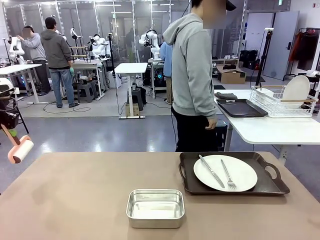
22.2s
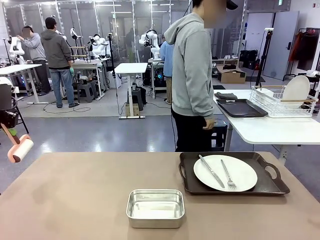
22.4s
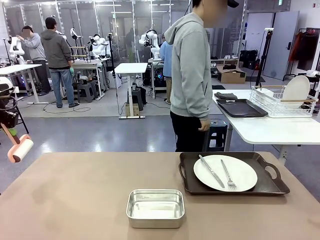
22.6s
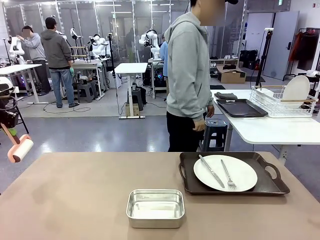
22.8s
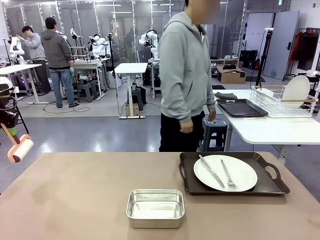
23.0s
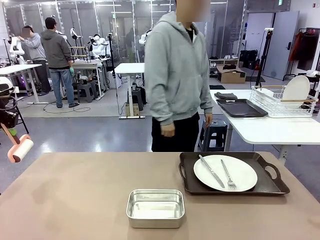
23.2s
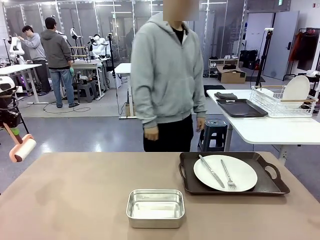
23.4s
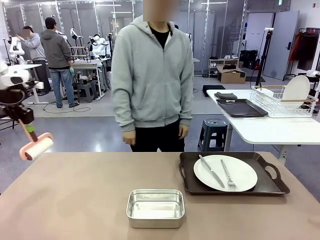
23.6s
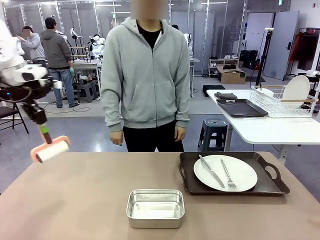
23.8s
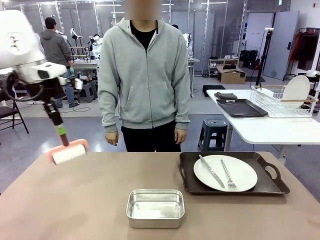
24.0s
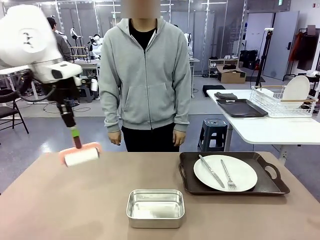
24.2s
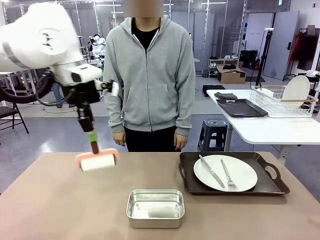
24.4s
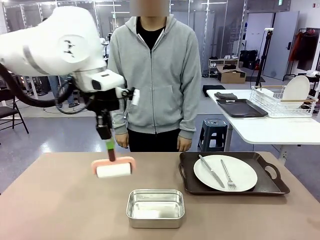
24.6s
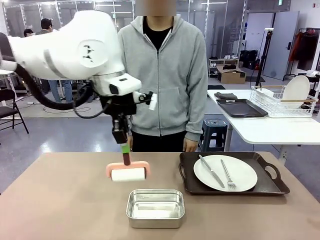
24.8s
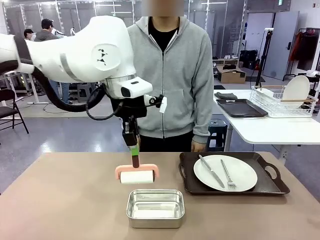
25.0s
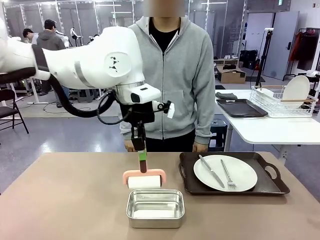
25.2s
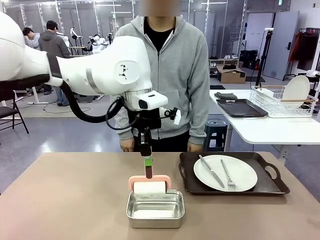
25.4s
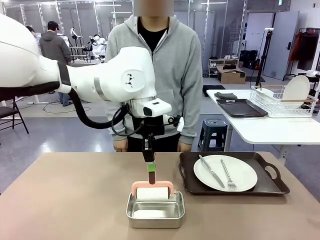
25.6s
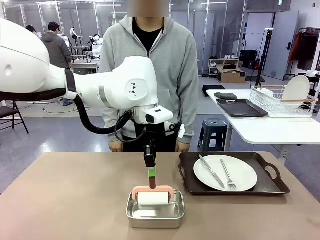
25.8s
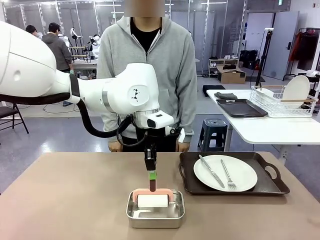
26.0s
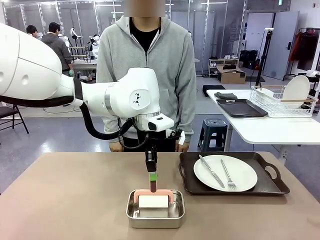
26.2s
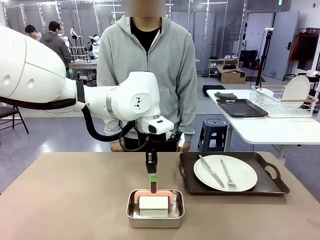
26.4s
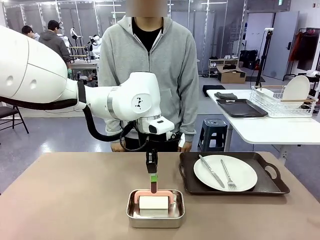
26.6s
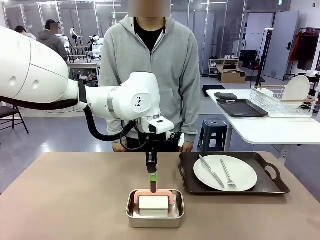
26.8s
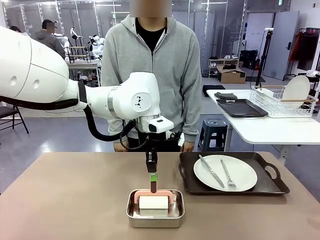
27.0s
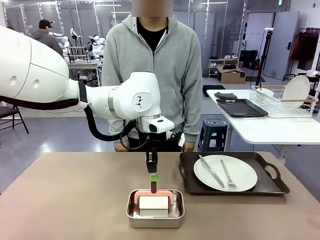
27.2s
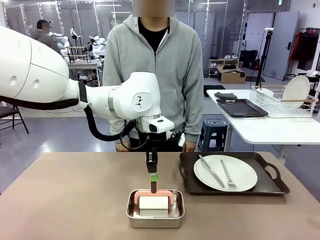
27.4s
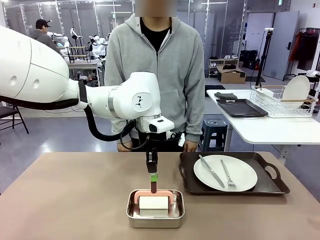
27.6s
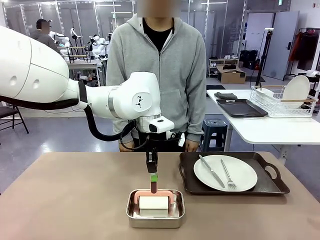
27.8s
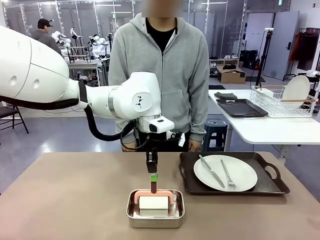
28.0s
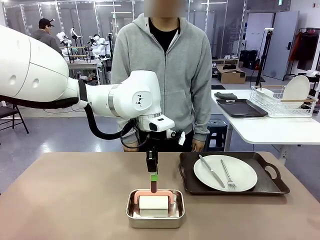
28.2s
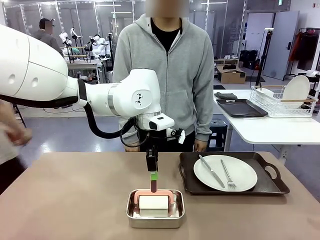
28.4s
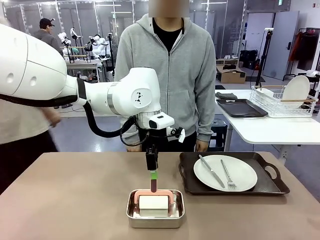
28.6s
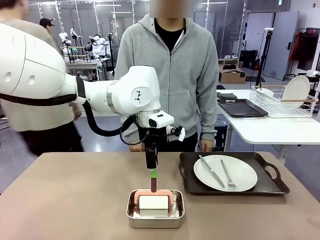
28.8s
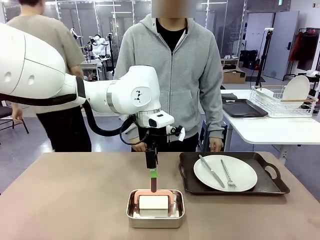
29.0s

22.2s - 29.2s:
Robot: Place the Lint Roller back on top of the Airtight Container.

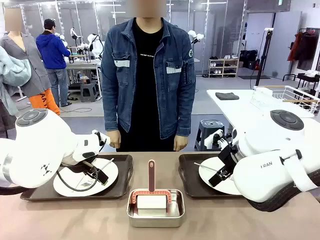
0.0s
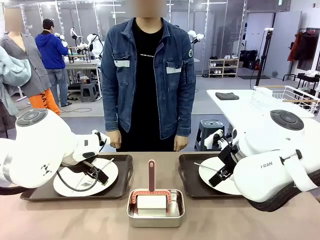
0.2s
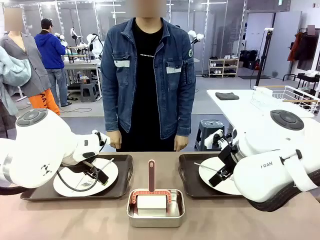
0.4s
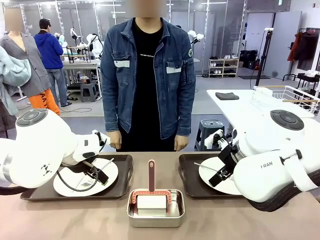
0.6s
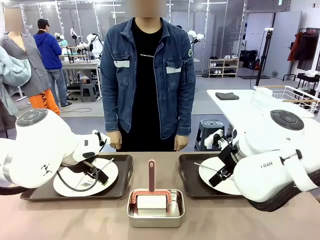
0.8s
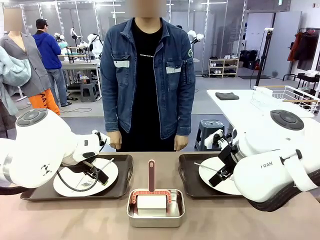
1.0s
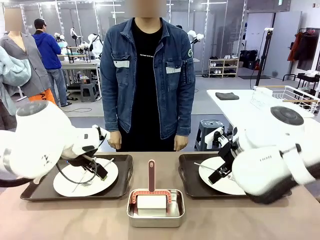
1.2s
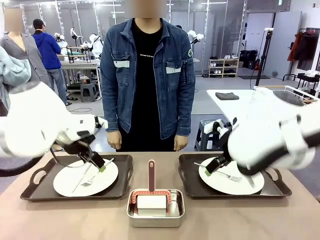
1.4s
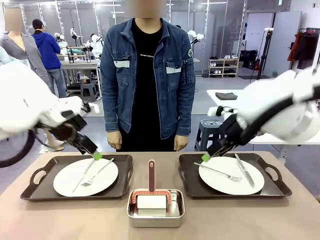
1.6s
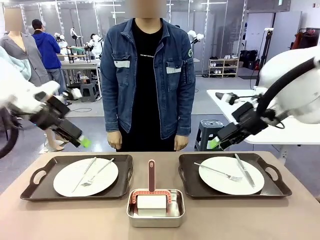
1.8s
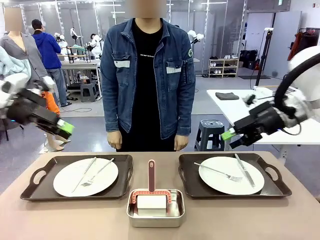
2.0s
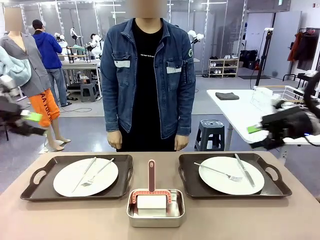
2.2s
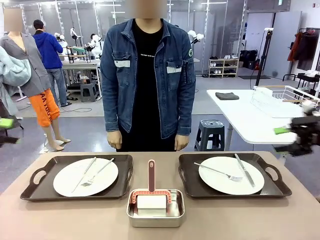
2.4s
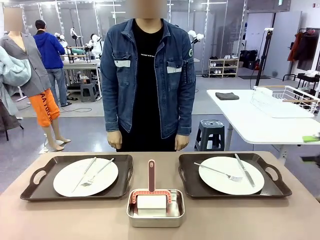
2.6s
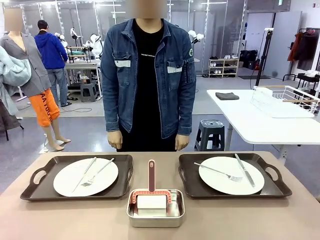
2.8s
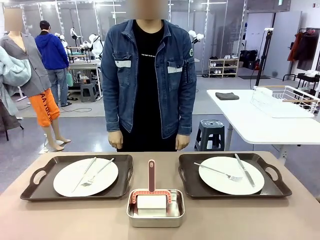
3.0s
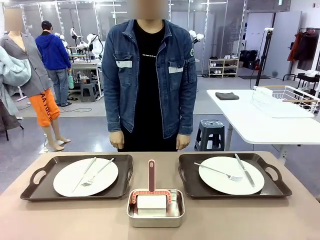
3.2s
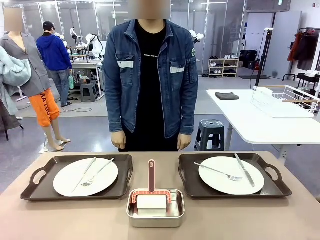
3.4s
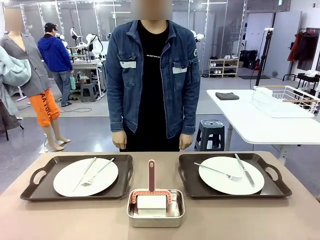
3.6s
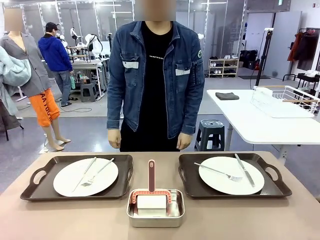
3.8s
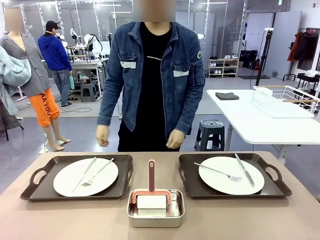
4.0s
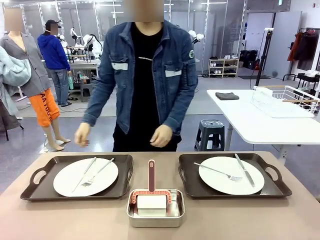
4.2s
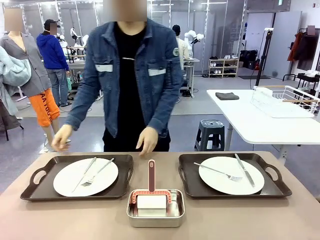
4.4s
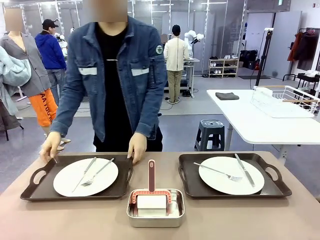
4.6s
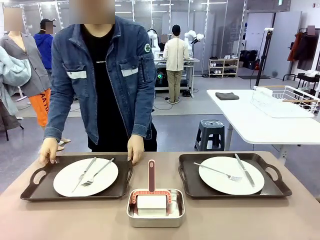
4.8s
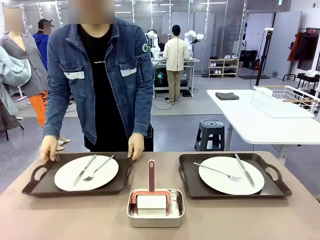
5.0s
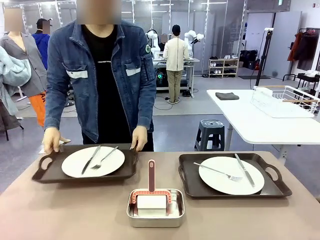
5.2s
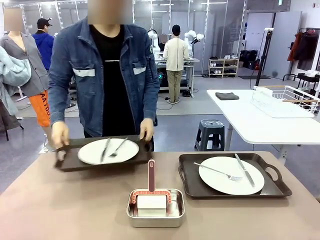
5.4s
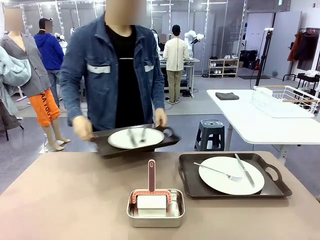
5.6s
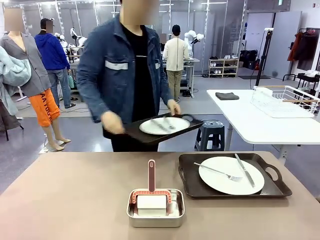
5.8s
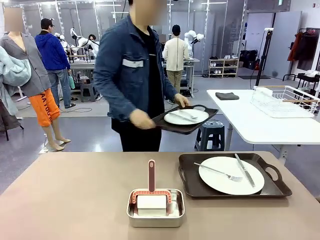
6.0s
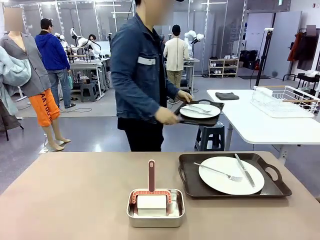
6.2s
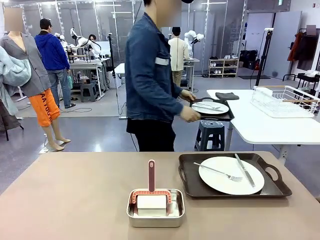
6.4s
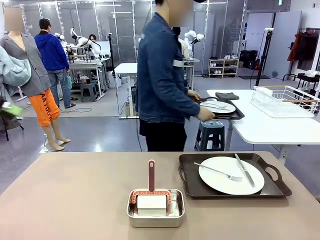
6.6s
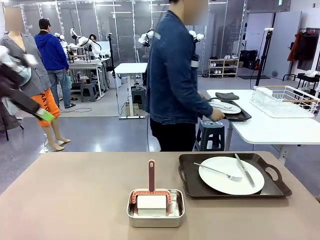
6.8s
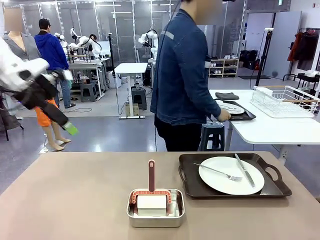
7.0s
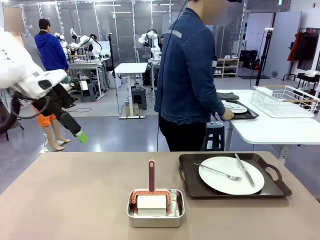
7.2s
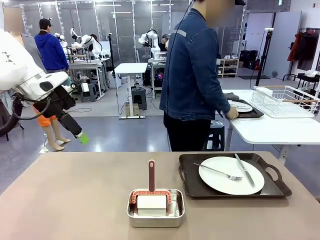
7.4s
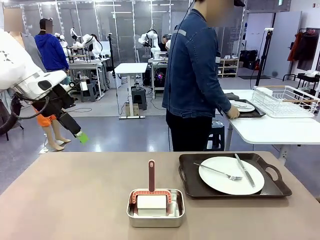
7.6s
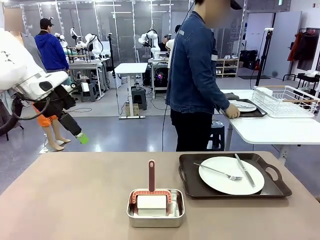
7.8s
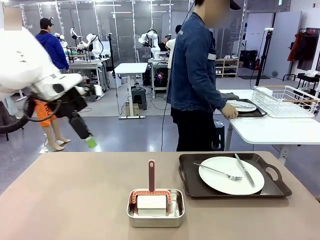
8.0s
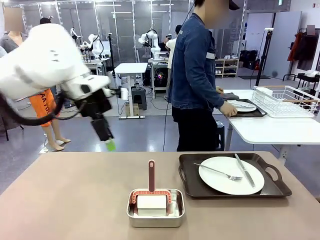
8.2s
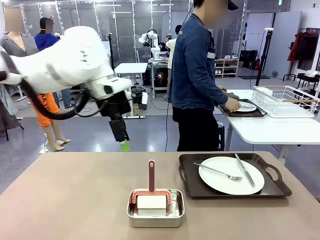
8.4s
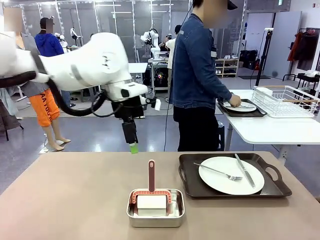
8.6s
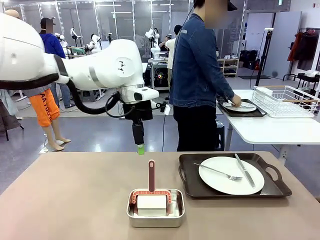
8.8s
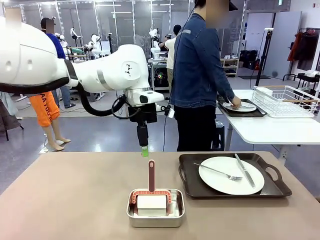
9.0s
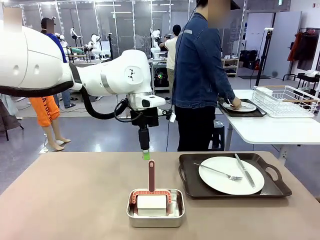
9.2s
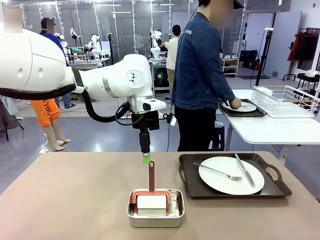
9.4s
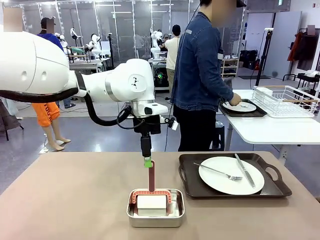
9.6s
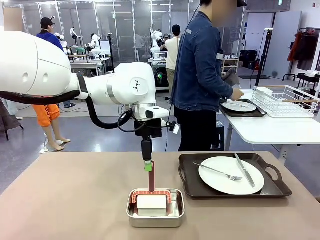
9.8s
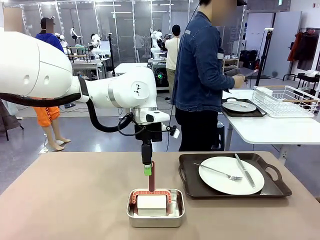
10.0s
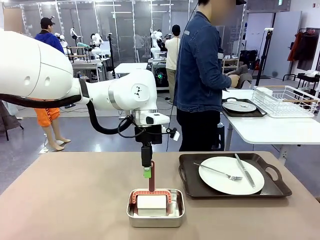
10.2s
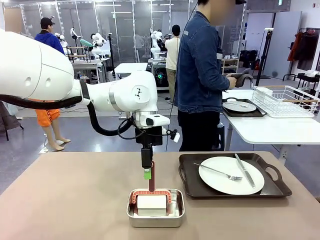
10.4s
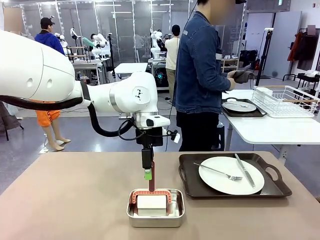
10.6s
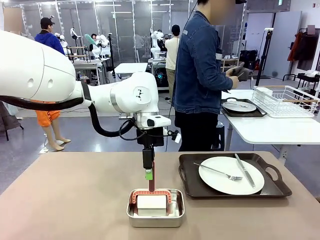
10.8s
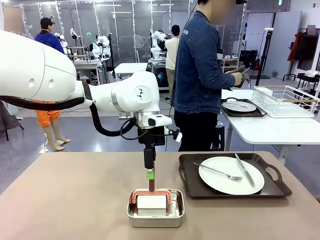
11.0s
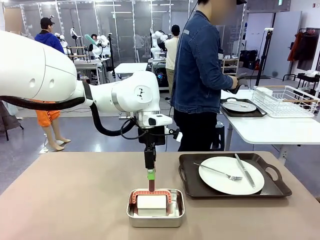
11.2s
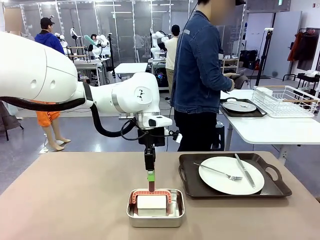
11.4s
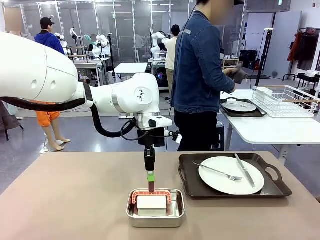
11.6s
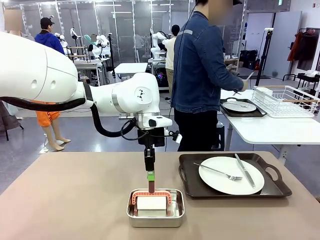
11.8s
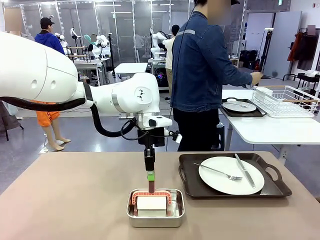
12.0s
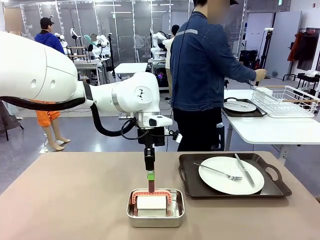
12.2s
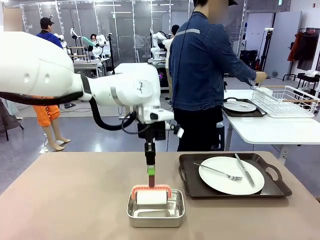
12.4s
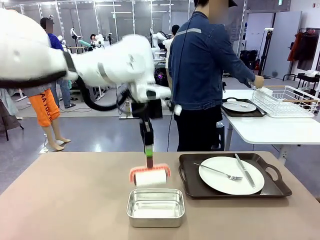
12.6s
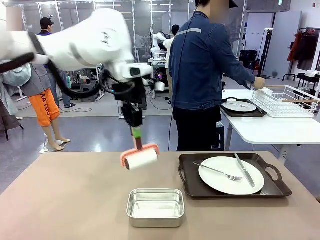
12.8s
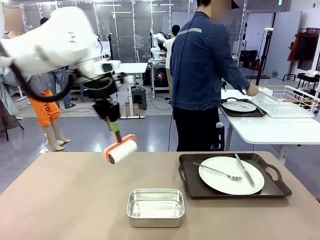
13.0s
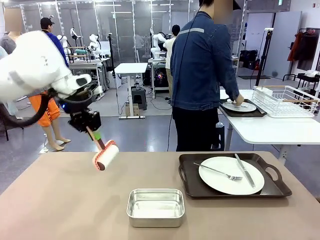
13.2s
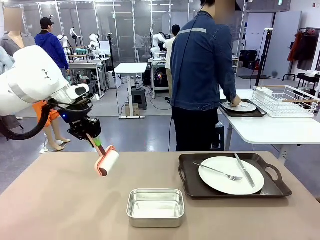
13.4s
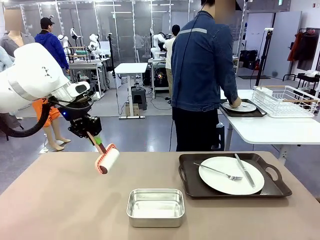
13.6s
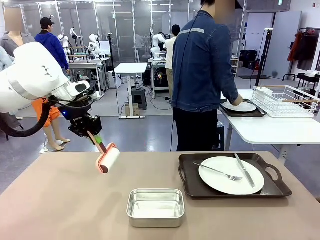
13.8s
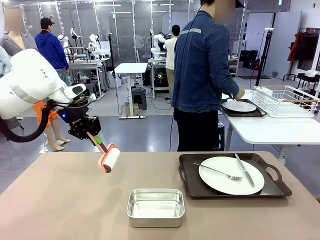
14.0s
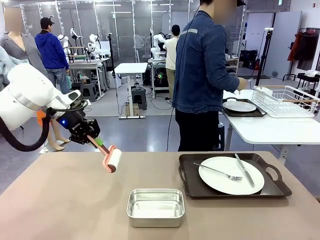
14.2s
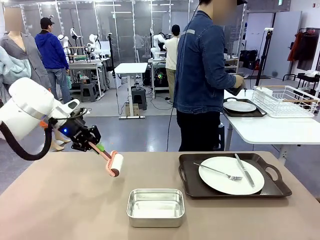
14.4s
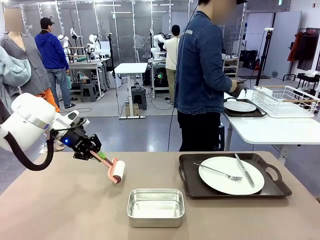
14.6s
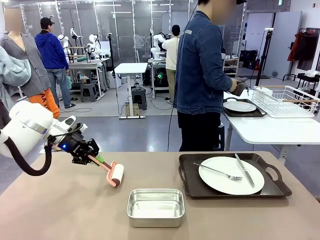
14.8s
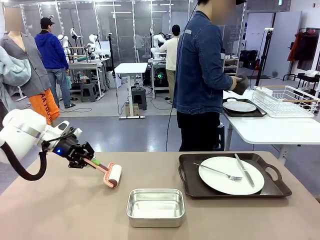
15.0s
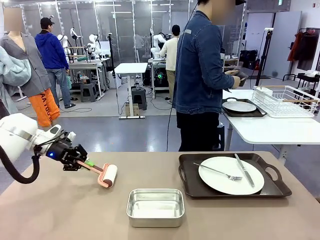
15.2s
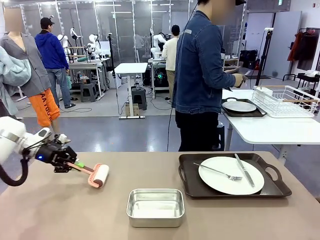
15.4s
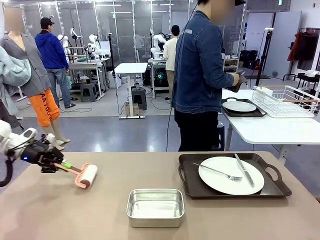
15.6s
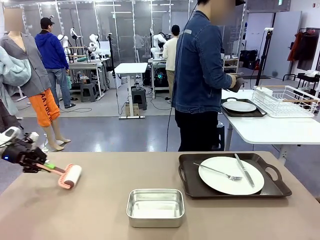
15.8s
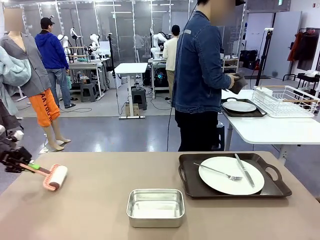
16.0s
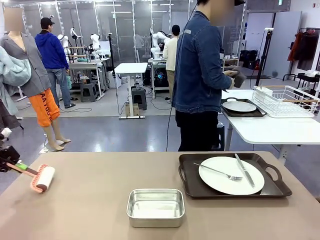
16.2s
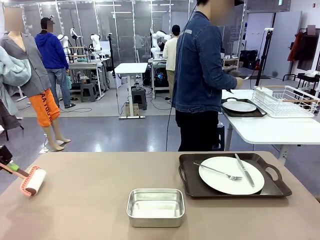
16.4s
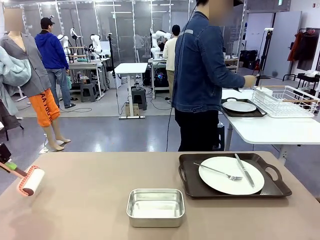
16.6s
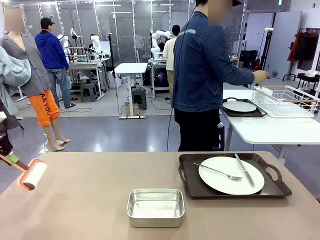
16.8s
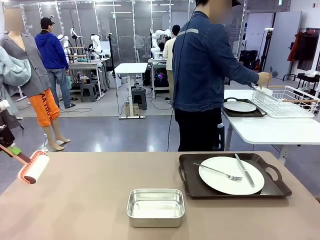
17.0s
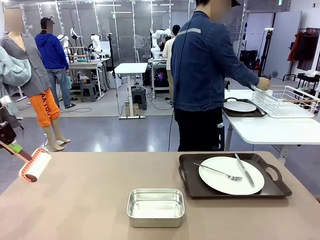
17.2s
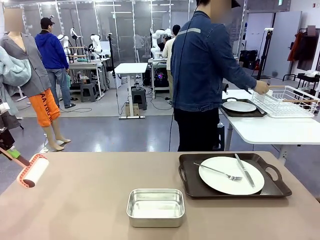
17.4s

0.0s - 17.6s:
Robot: When the left (or right) Handle tray is removed, use the left hand (or right hand) to clean the left (or right) side of the table with the Lint Roller.
Person: Pick up the left (or right) Handle tray and place it on the middle of the Human's table. Use the Towel with hook to wipe the Plastic Matte Plate , Fork , and Knife and place into the Dish drying rack.
